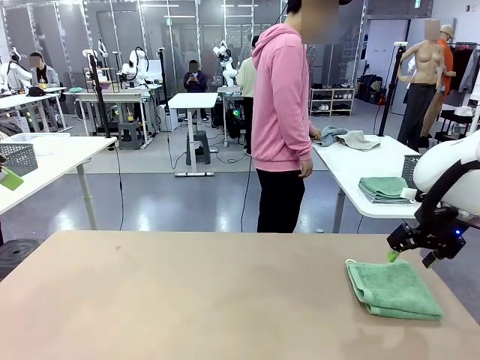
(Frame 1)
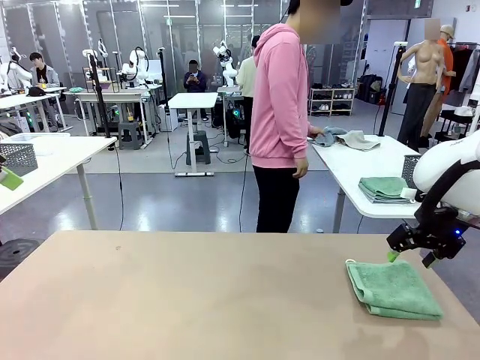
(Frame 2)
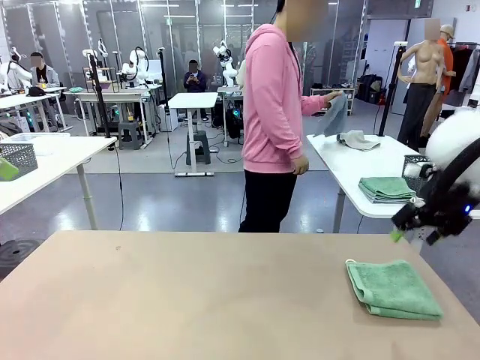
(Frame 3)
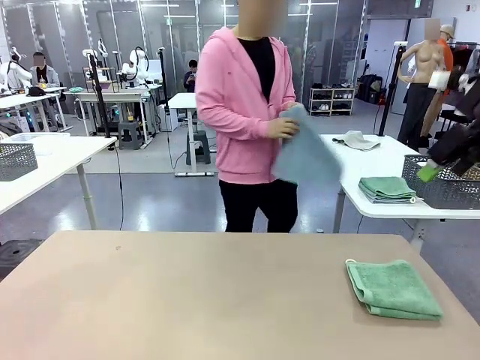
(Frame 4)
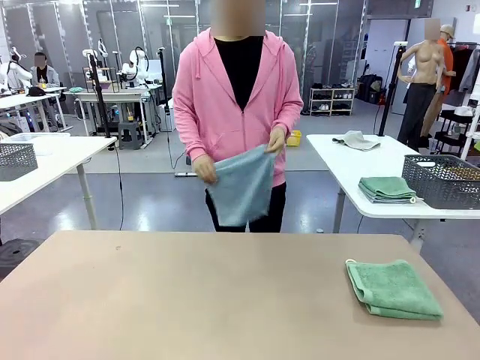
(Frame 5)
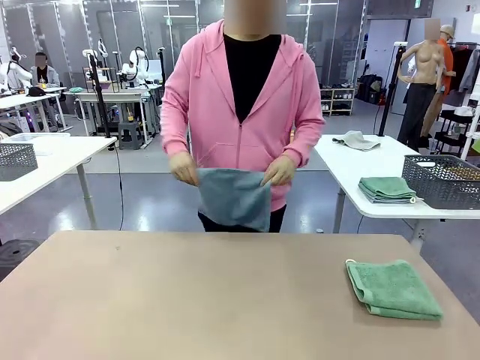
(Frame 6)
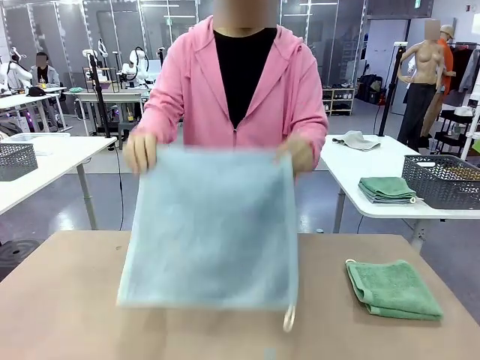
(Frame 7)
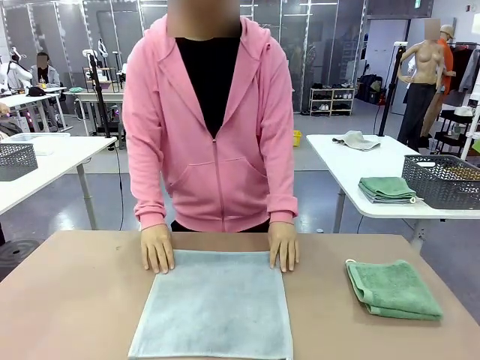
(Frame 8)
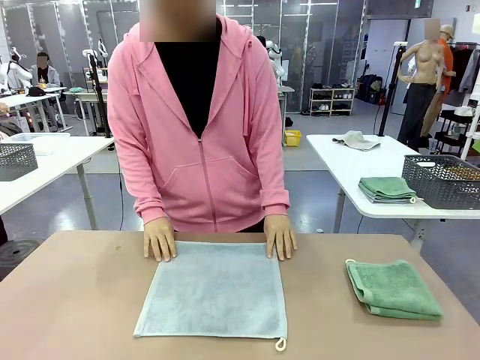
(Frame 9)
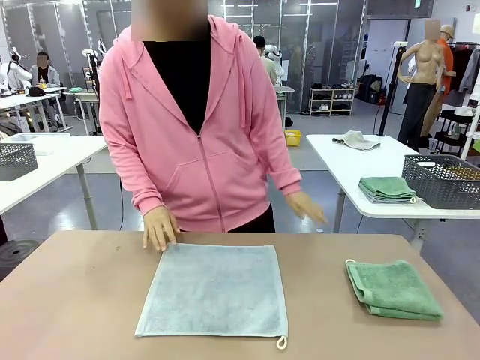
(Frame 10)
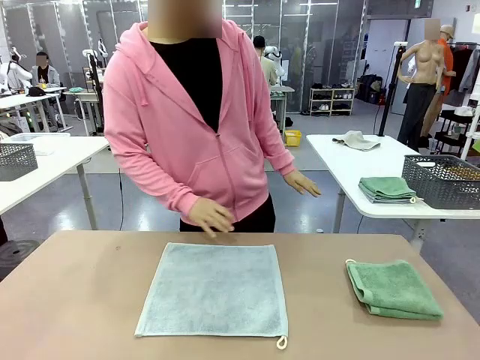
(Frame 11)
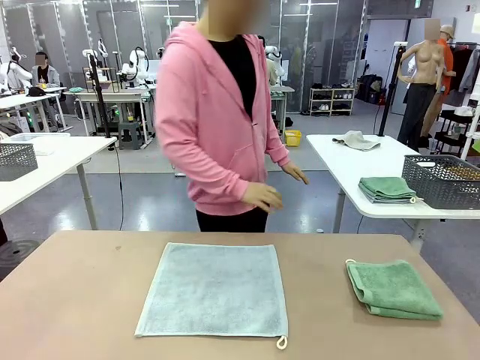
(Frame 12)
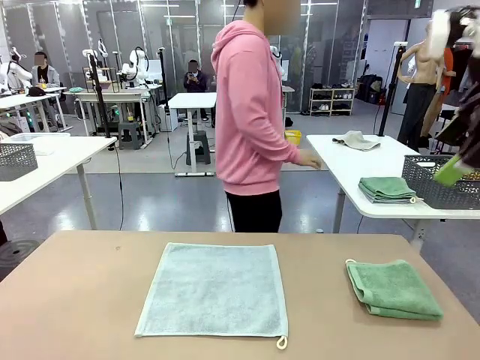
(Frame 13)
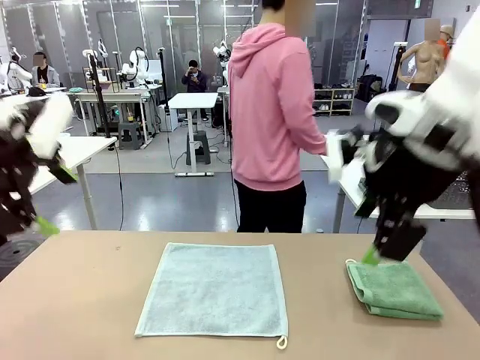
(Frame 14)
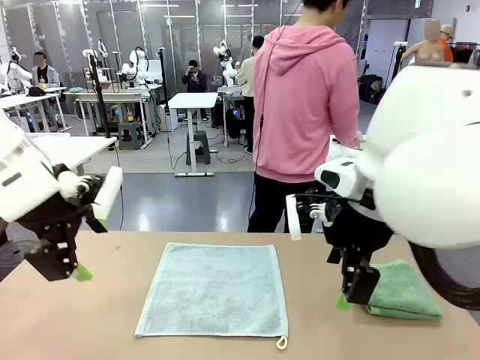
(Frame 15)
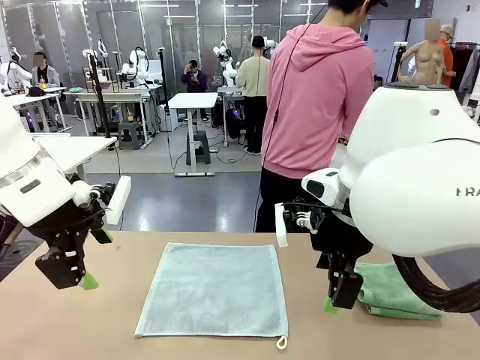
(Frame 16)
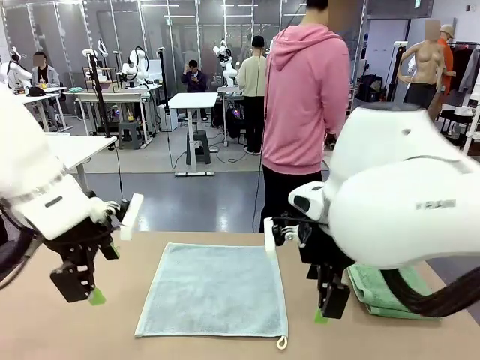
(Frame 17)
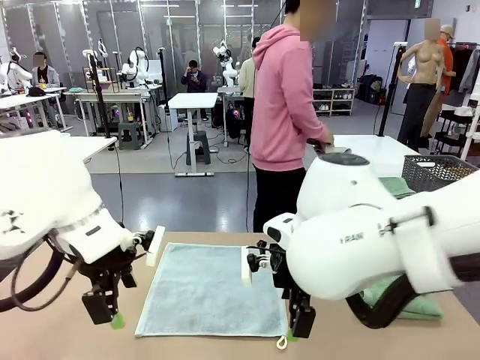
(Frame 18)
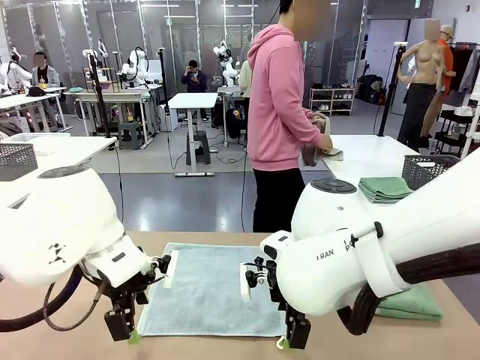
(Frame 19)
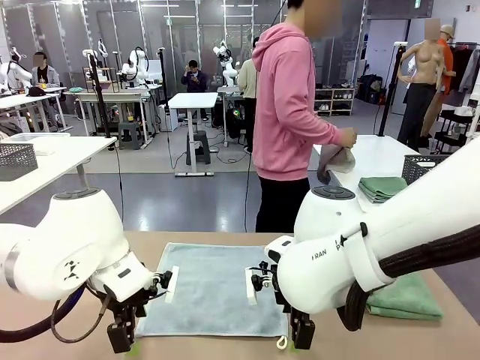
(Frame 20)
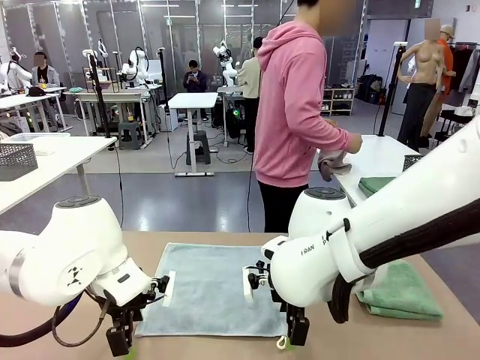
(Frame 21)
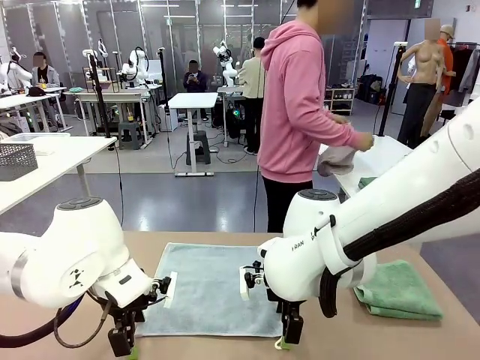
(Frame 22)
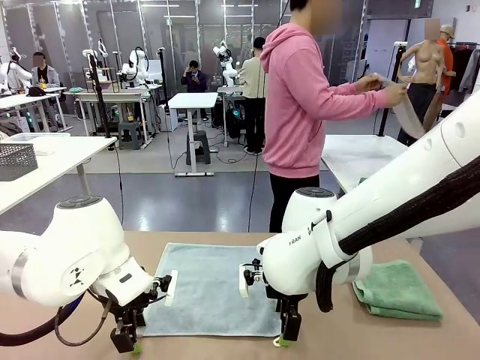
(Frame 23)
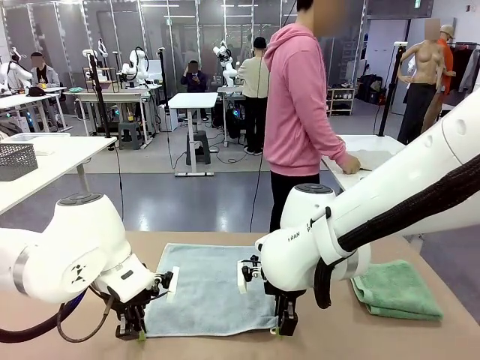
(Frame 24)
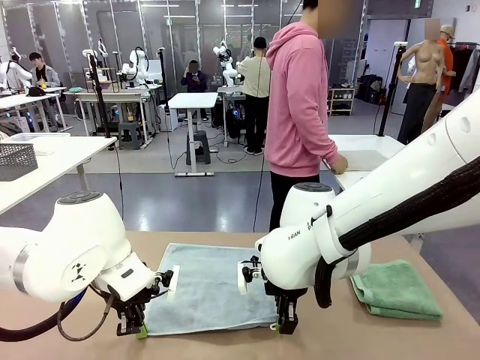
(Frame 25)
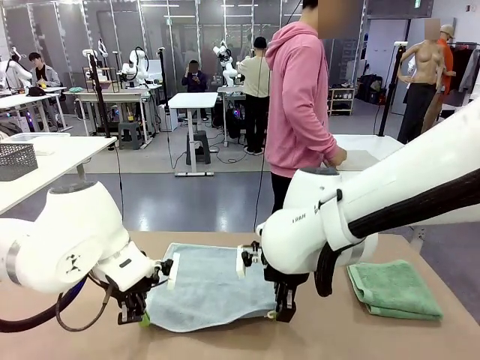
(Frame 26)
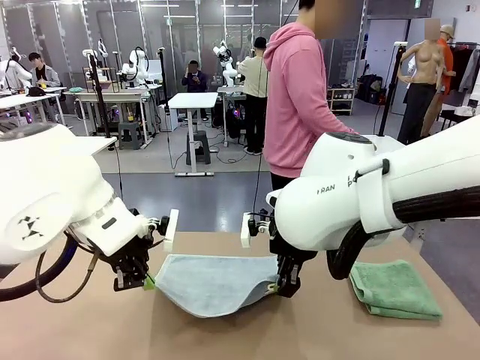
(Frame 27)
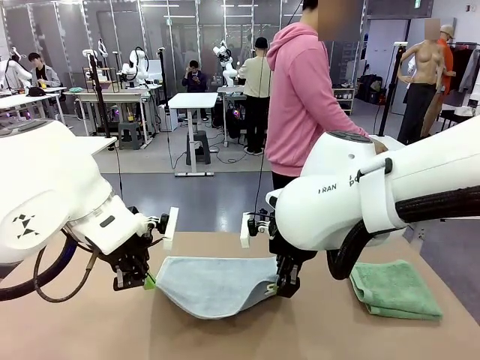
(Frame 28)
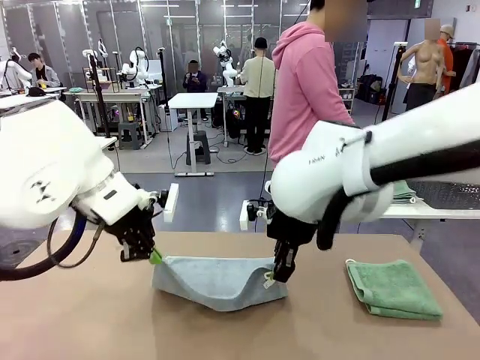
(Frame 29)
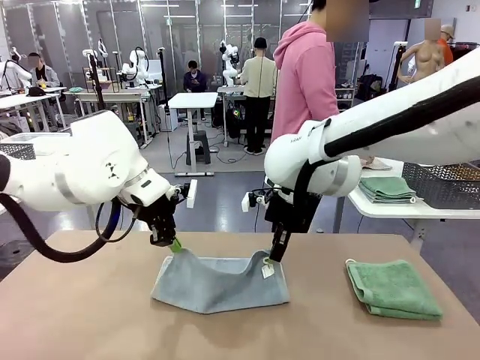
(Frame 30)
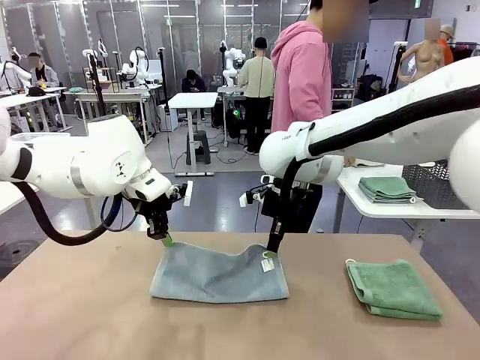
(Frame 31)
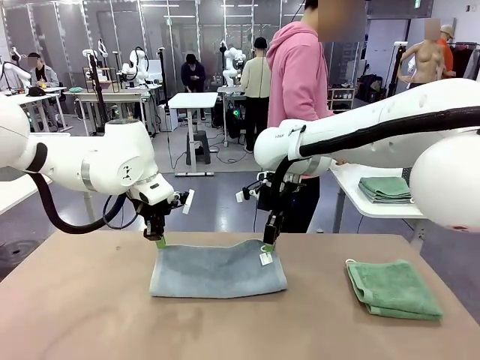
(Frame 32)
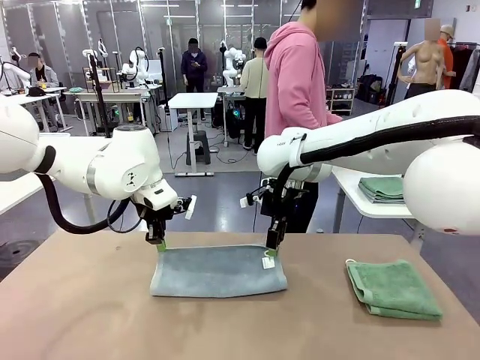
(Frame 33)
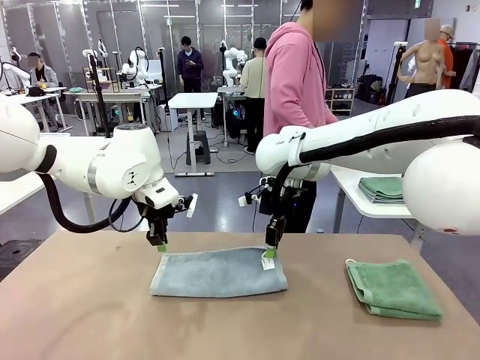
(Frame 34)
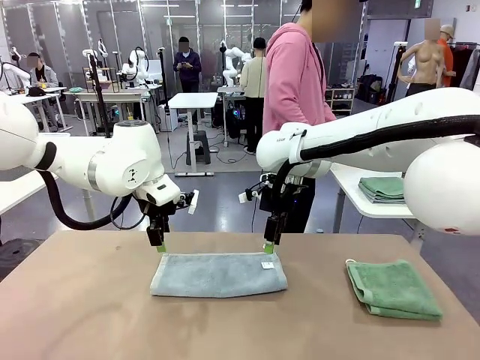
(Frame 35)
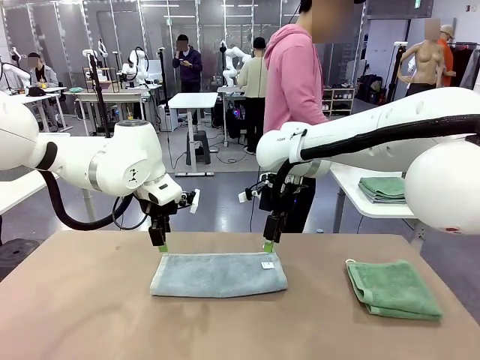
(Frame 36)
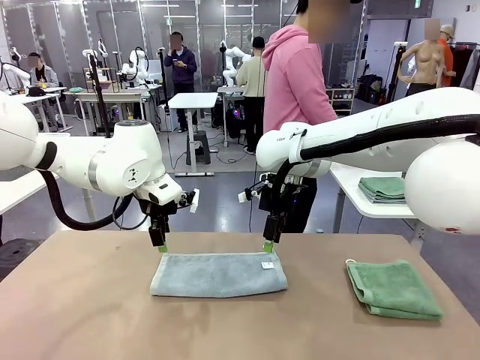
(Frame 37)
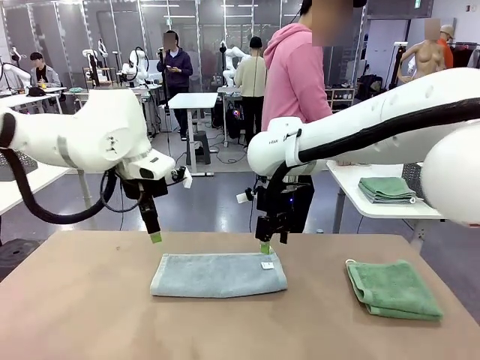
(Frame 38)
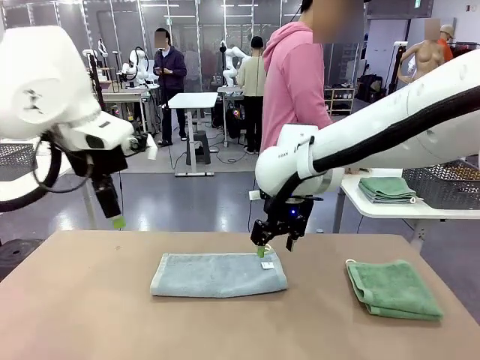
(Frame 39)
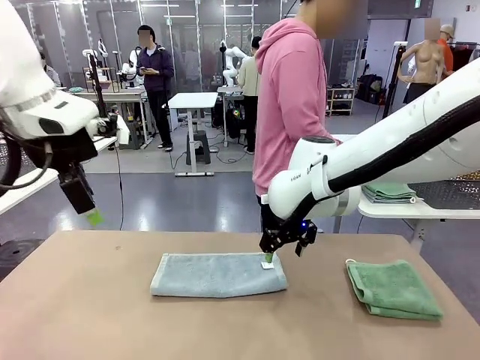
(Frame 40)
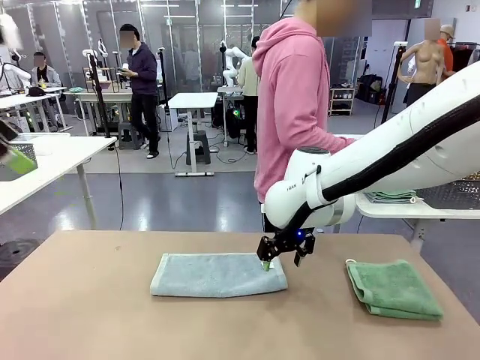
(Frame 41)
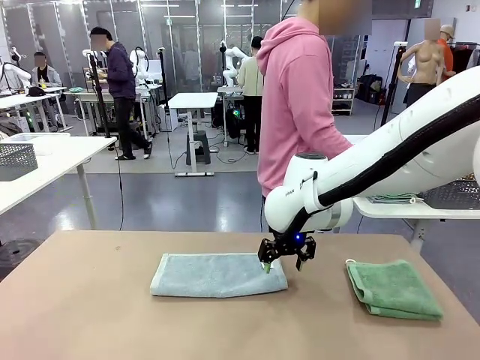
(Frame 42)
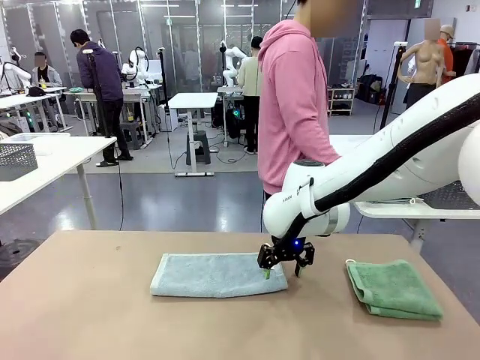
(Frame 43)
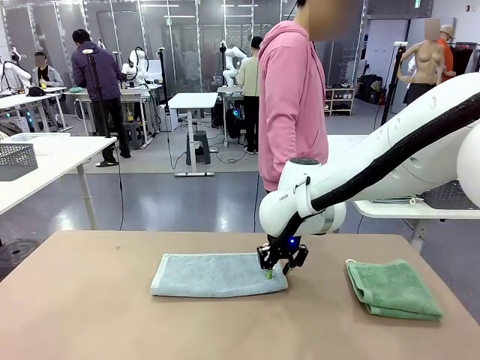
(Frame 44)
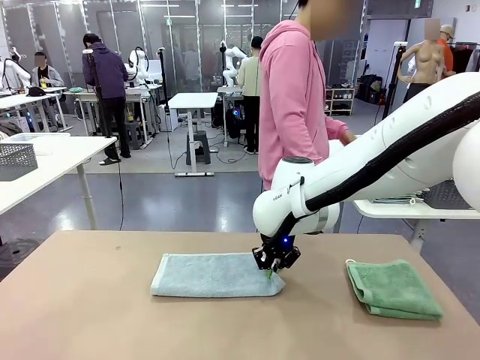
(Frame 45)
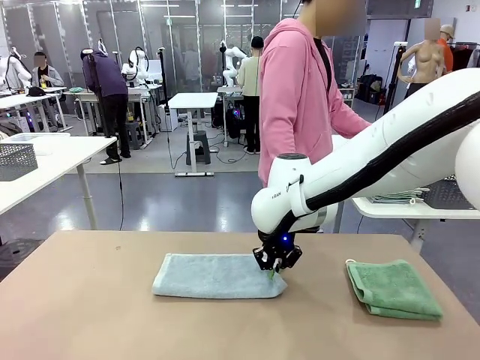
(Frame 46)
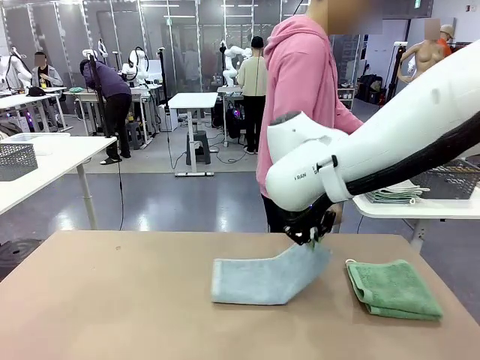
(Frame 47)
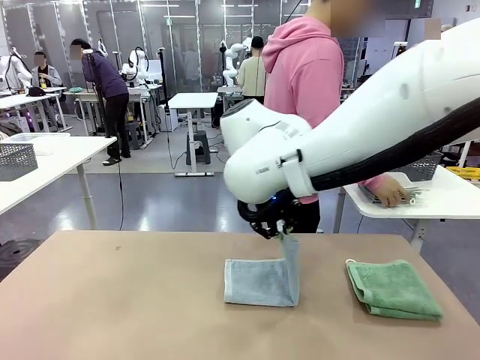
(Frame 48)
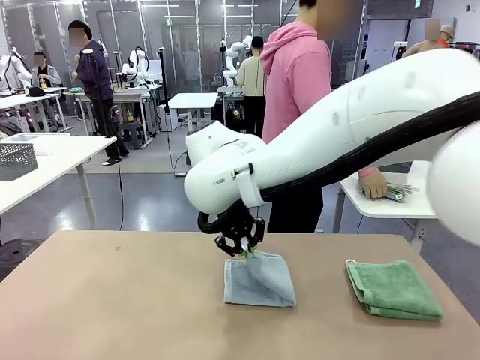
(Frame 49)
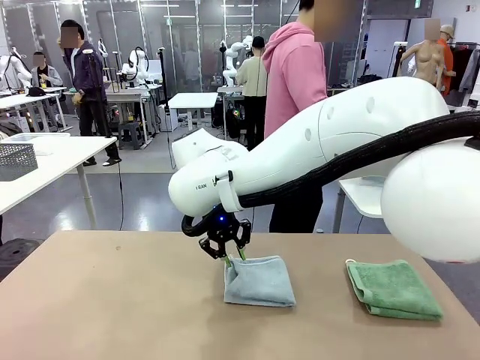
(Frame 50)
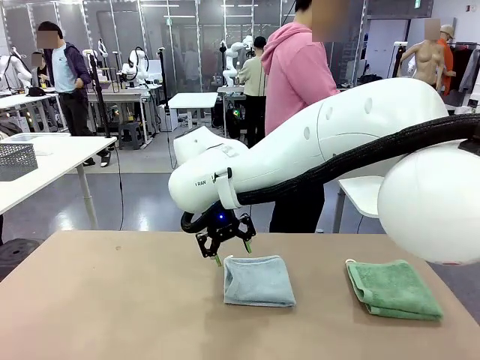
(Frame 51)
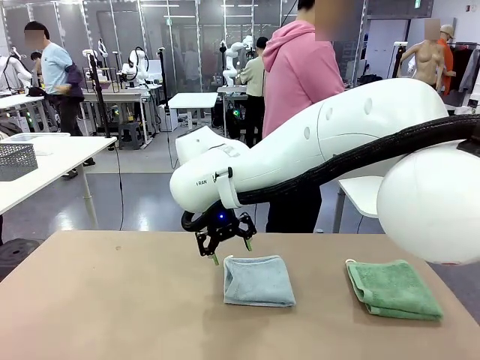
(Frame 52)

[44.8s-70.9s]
Task: Fold the towels and place them in the basket.
Robot: When a person lays out a Towel with hook on the table, fold it in half twice.
Person: Pick up one towel from the left side of the human table and spread it out at the center of the robot table. Pick up one towel from the left side of the human table, fold it in half twice, and stack it on the right side of the table. Pick up the stack of towels from the right side of the human table, place it into the basket, and put the basket at the center of the table.
